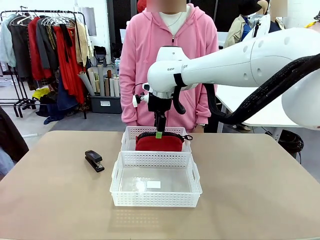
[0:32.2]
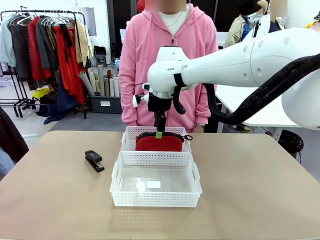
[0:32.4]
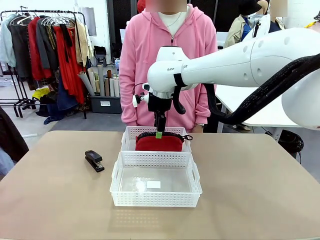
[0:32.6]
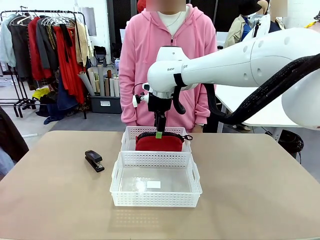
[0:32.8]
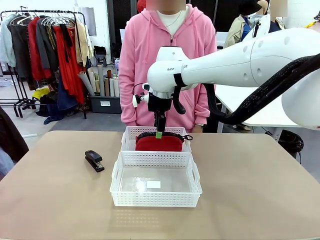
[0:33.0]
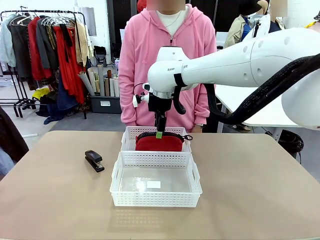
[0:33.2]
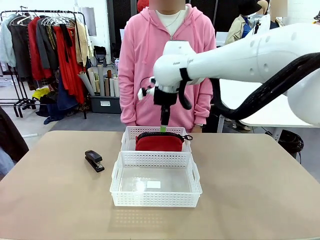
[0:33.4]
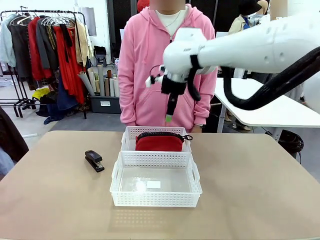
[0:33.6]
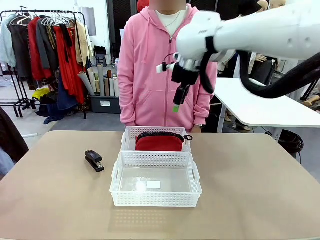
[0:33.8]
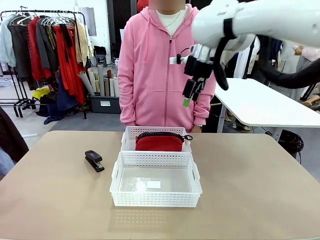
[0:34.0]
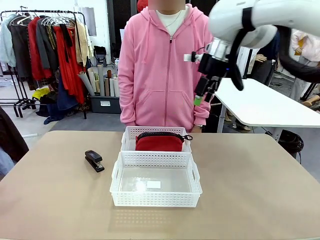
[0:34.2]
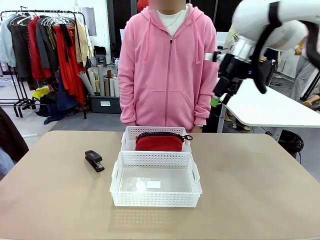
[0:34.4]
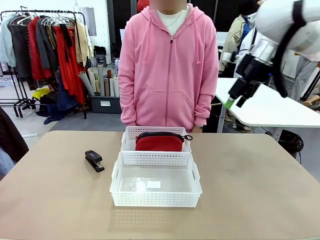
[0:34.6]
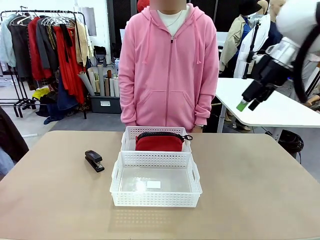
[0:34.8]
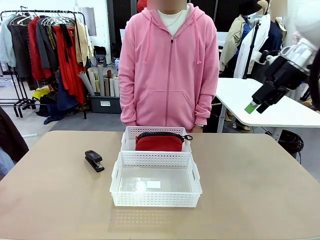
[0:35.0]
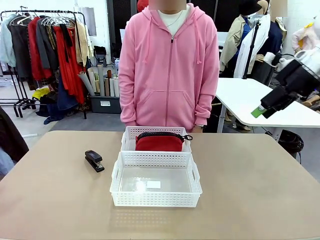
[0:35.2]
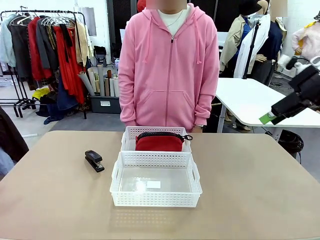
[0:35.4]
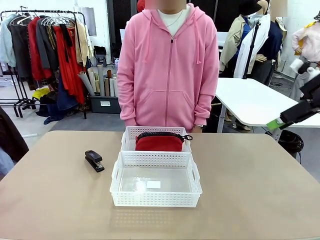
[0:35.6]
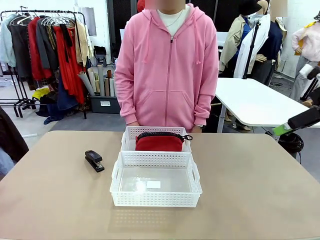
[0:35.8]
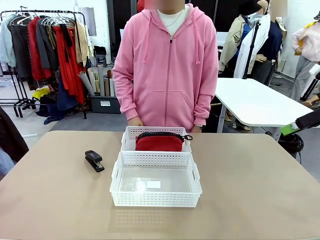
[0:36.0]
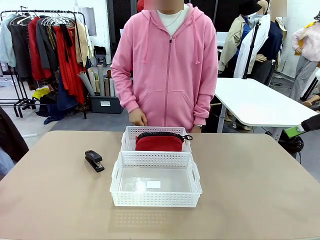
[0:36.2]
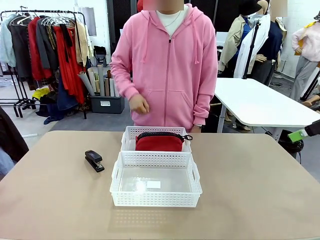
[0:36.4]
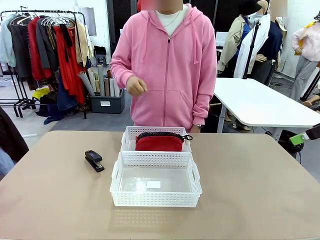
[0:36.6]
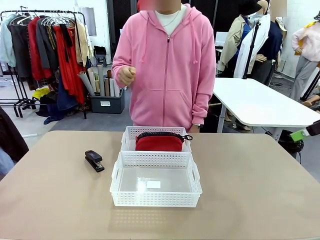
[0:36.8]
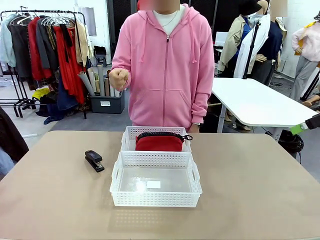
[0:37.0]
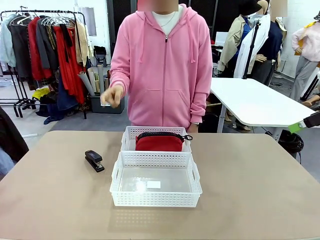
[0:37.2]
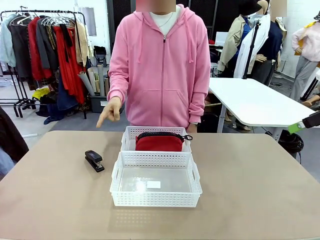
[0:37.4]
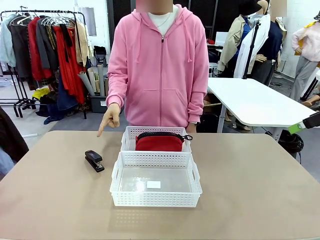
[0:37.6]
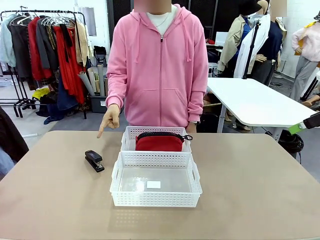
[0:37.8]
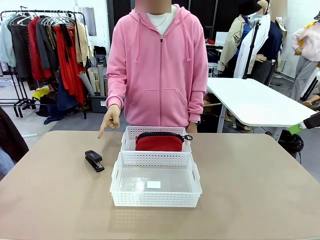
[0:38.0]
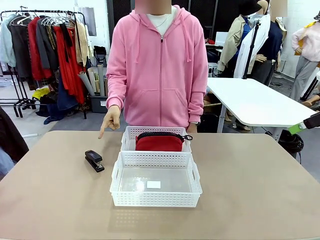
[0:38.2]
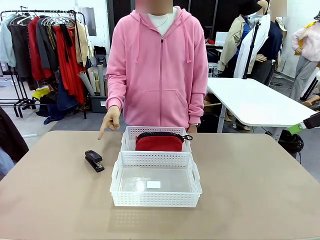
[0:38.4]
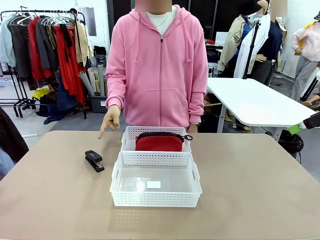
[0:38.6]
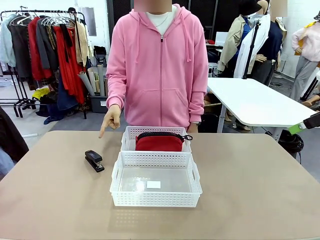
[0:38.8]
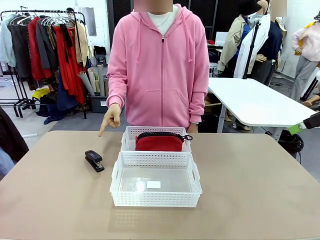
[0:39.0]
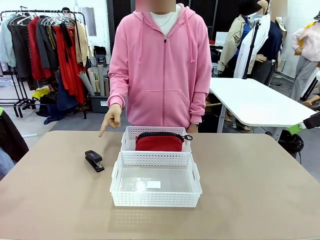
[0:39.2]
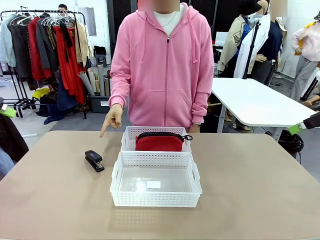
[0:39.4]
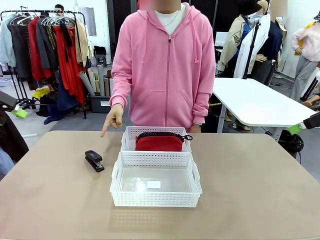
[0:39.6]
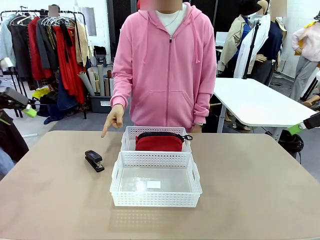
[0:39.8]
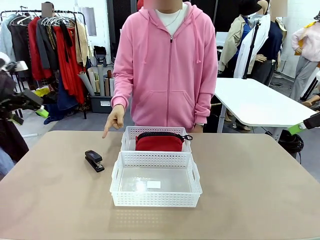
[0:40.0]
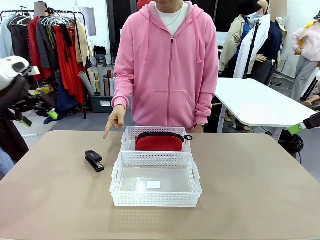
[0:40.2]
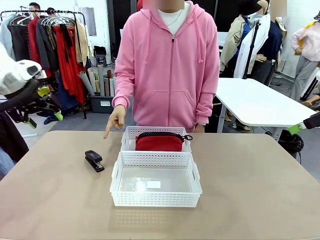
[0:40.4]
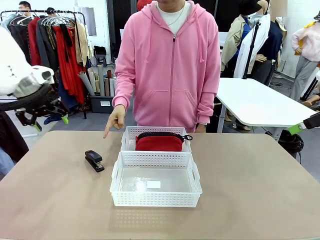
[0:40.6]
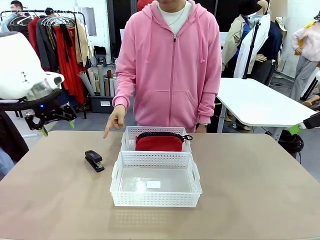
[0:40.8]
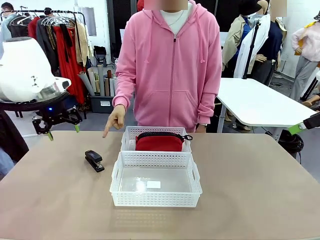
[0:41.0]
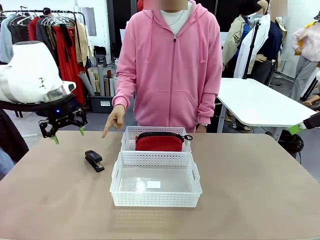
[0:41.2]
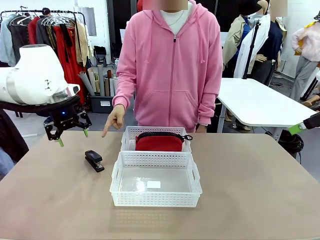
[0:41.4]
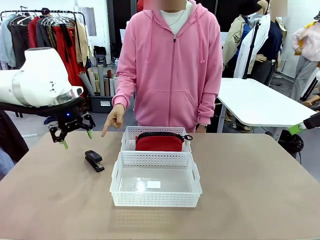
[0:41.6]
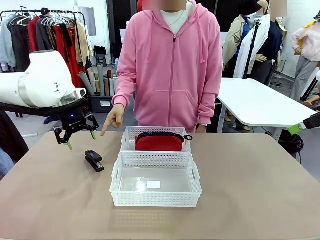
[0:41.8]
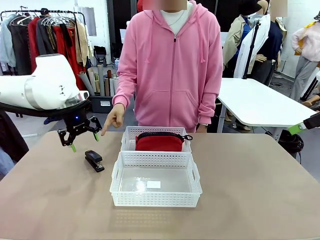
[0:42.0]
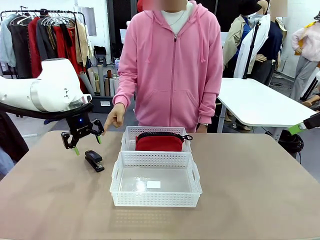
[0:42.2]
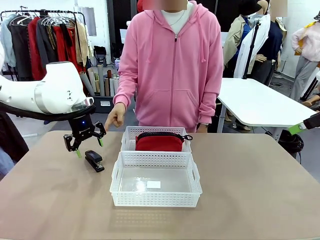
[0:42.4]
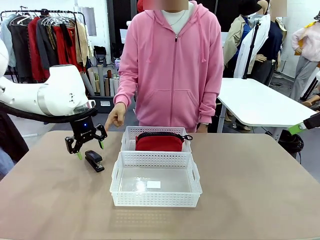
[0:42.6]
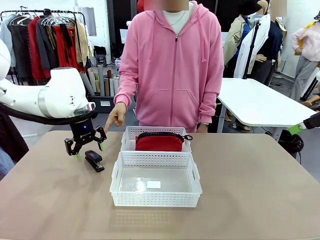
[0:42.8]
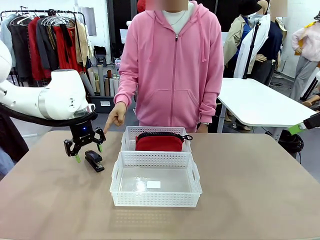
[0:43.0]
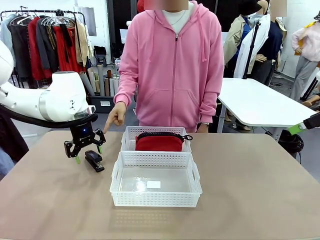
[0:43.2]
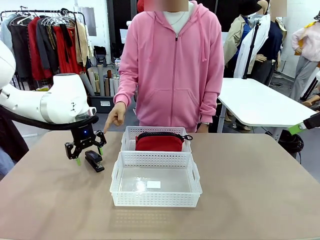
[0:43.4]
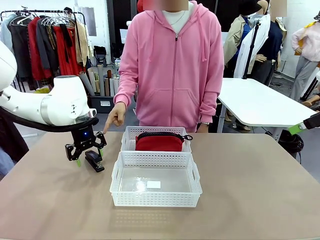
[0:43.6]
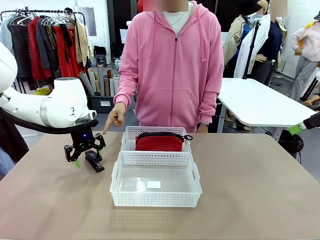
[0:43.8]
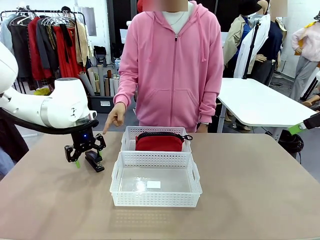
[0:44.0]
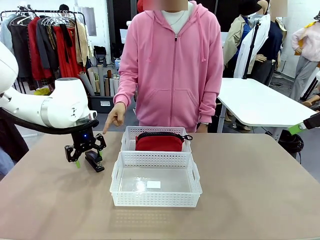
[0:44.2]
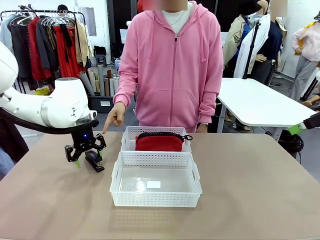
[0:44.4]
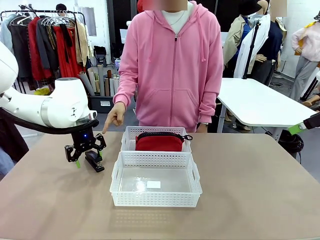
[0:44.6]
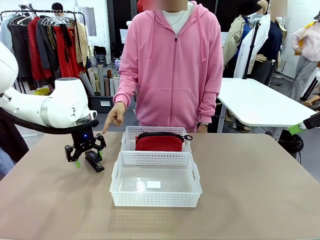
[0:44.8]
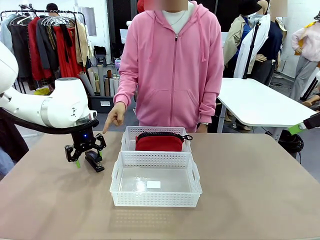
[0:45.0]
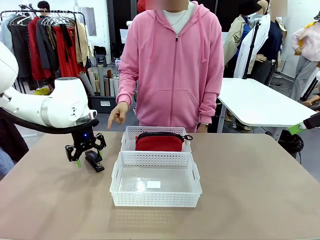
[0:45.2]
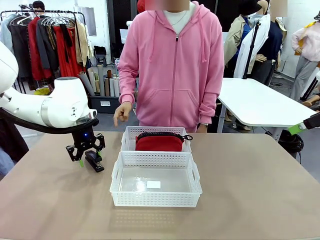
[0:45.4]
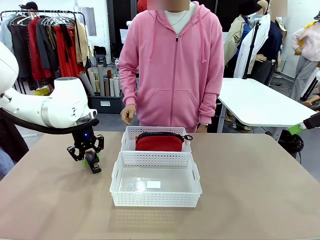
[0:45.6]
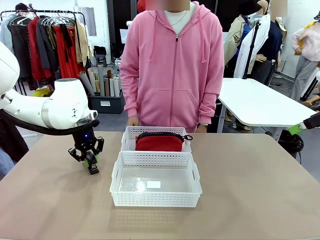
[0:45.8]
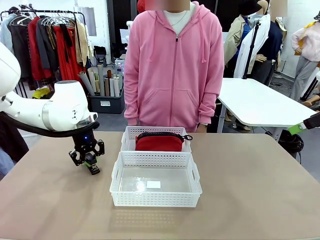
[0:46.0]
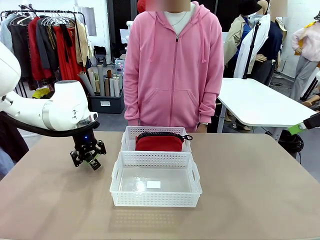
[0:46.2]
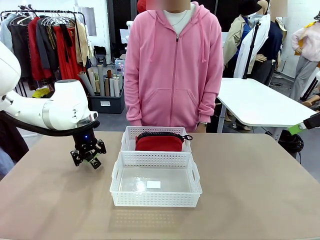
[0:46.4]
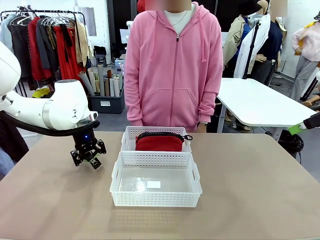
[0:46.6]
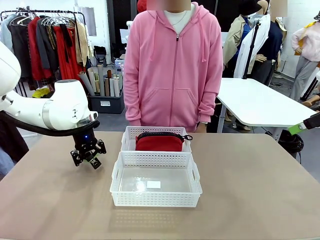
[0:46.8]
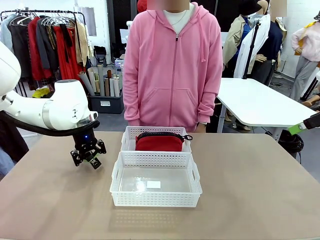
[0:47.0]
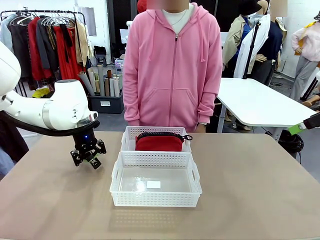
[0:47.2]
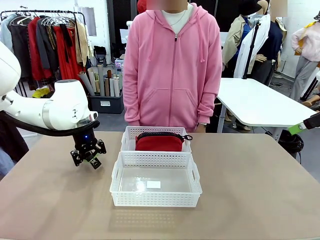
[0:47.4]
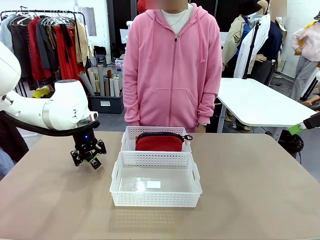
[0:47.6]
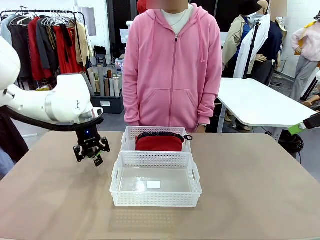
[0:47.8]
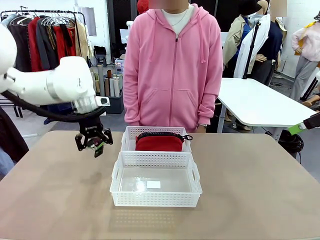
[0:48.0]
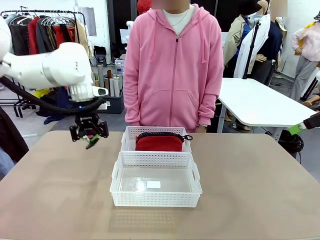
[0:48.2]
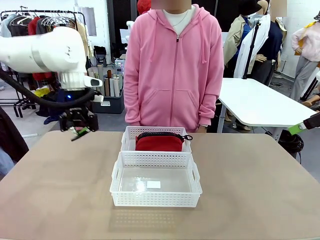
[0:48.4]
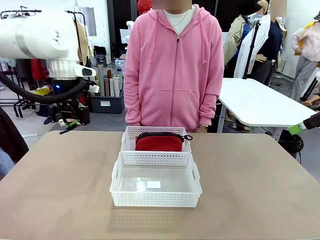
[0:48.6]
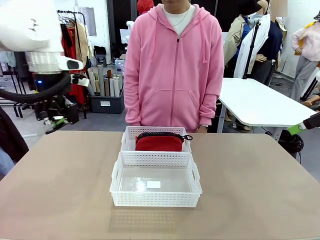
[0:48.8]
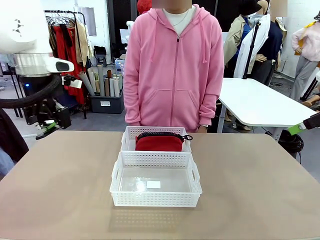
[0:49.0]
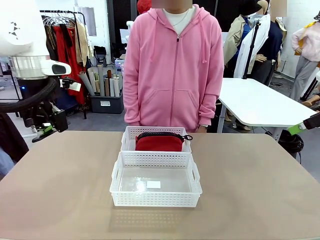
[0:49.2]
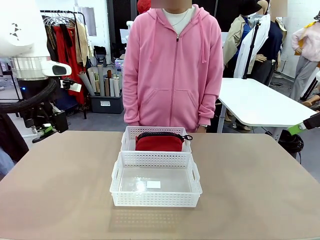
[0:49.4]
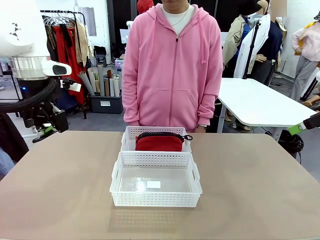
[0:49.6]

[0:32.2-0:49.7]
Task: Distribute items into two baskets.
Robot: Pick up the Stapler that the person points to.
